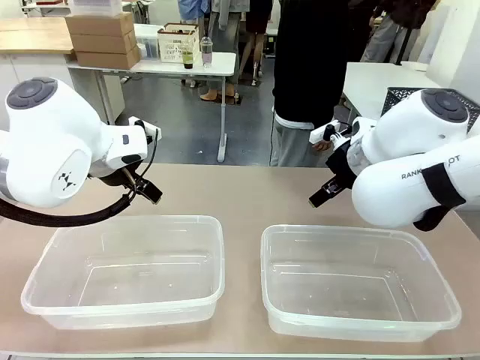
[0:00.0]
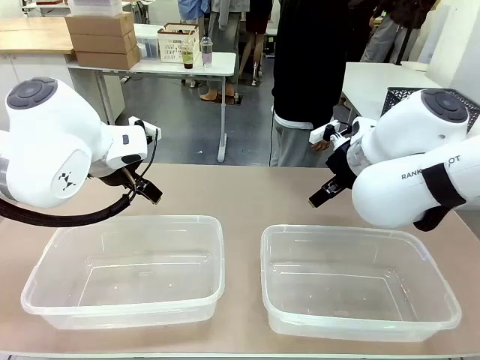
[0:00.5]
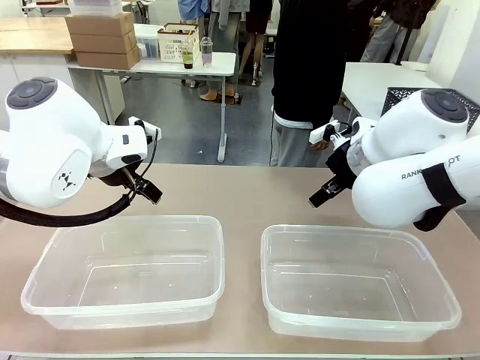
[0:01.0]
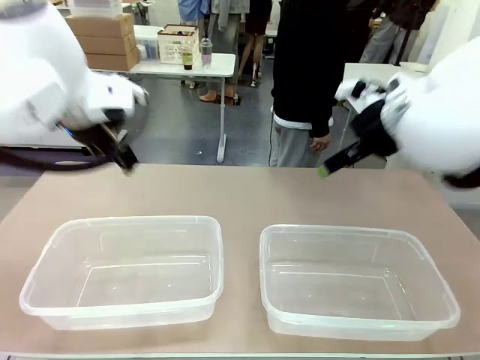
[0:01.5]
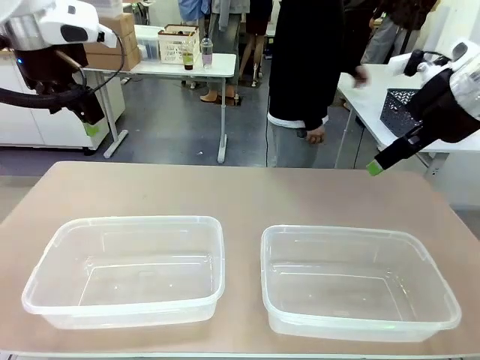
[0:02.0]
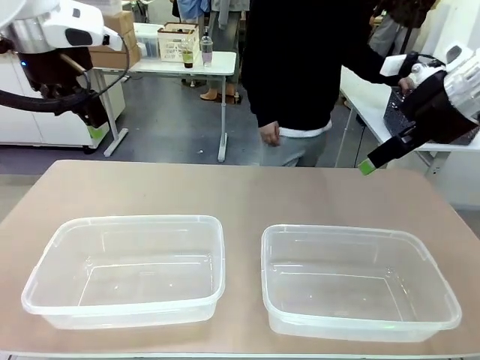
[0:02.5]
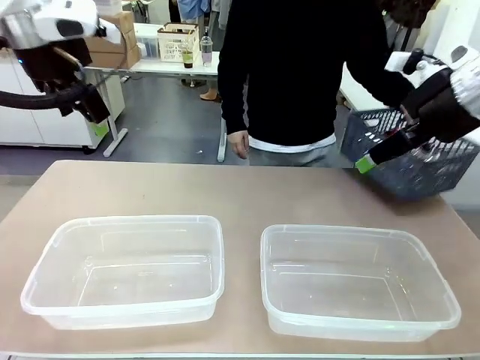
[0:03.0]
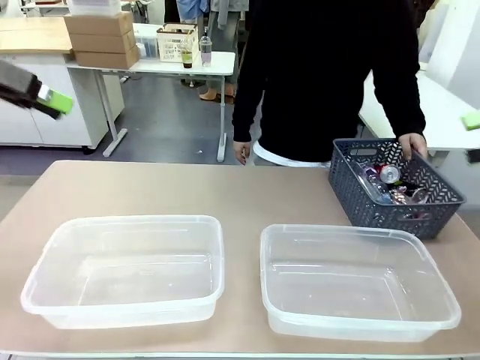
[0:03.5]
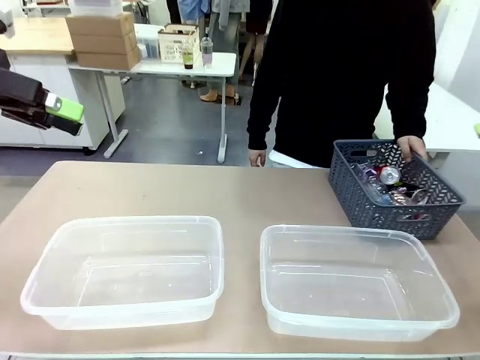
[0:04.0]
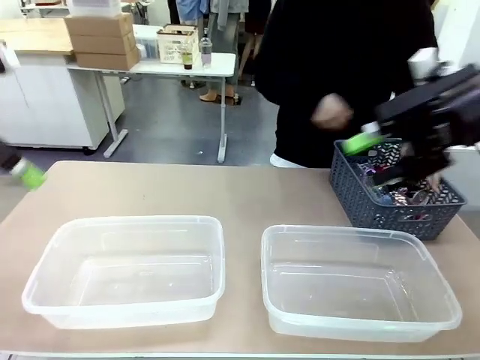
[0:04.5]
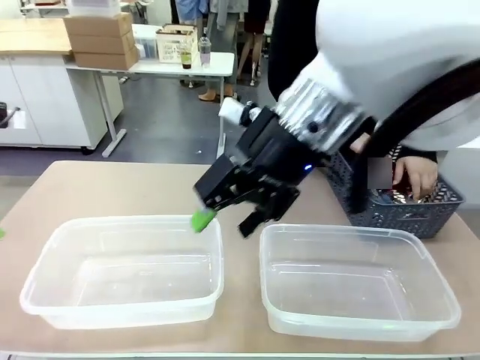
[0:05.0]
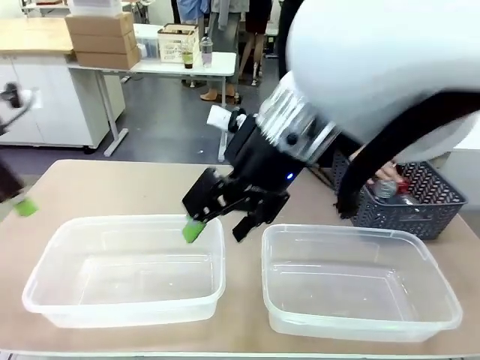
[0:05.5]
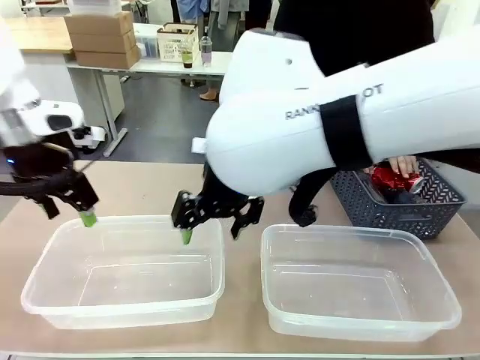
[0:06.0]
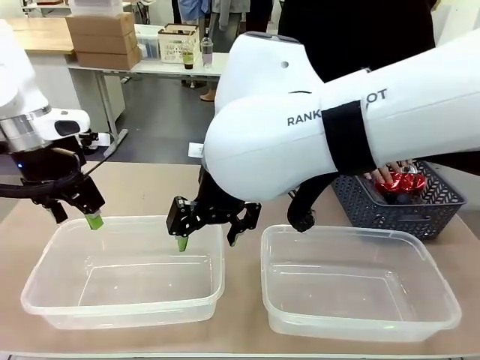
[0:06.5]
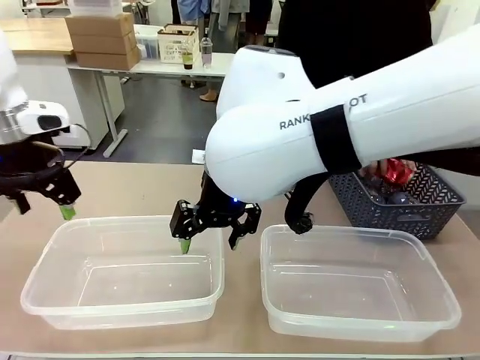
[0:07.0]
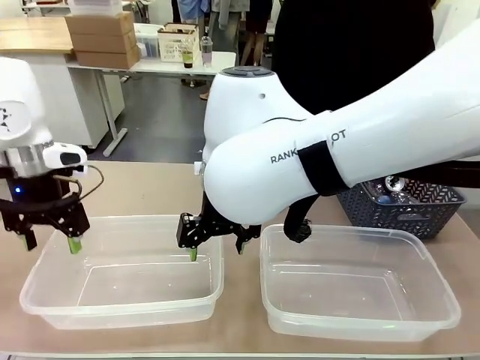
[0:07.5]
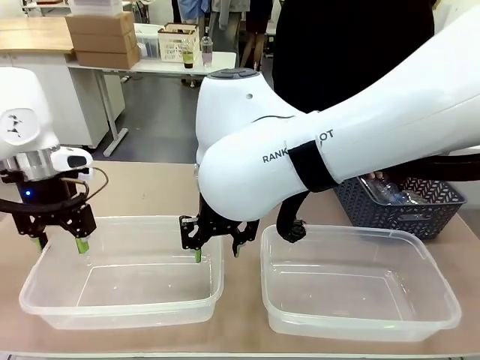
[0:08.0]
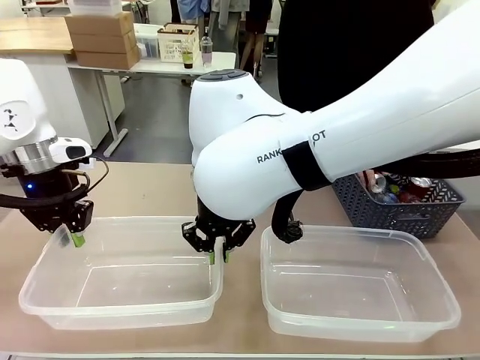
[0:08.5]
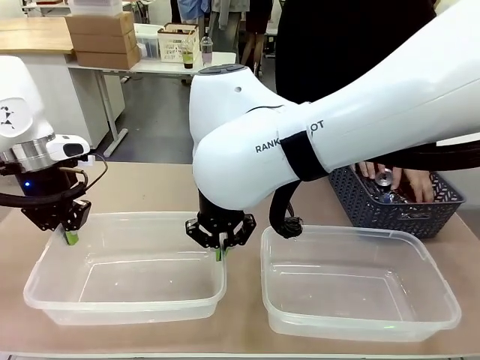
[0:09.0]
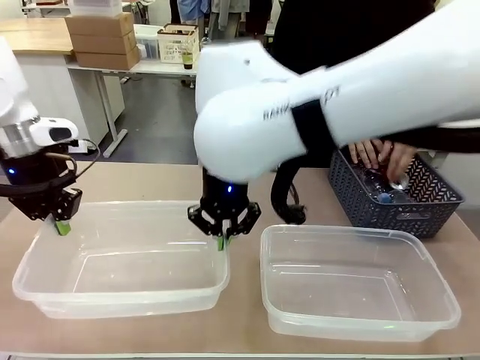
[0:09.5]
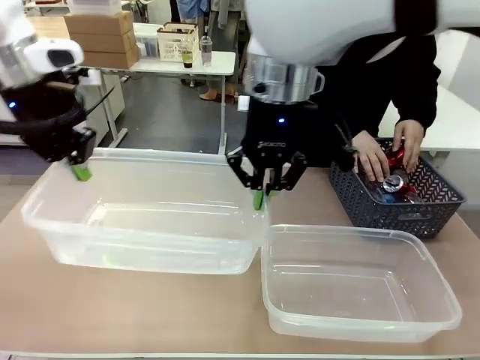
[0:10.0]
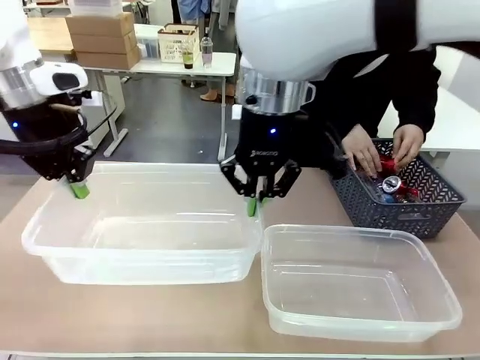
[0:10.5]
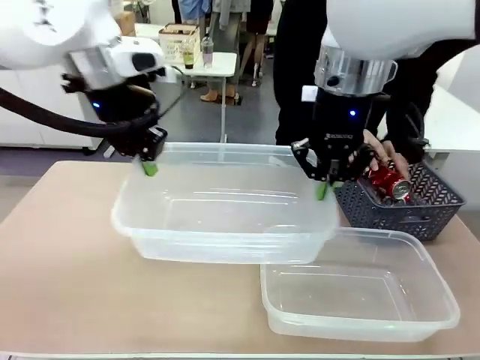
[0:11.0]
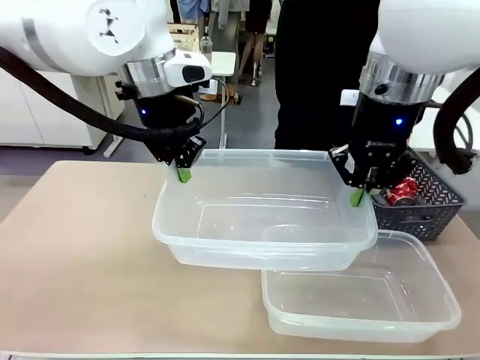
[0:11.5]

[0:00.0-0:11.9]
Robot: Pick up the Organizing box on the left side of the table and lift it.
Person: Pick up the storage basket and place it on the left side of the robot table. Pick up can-shaped waste one by one and place it into the organizing box lifted by the robot.

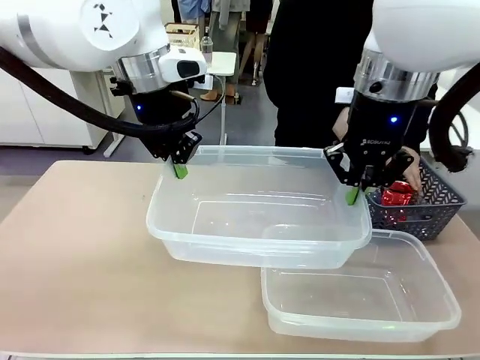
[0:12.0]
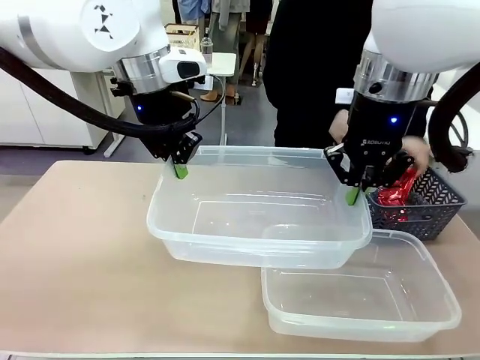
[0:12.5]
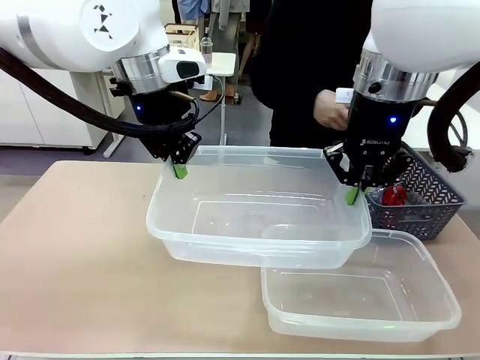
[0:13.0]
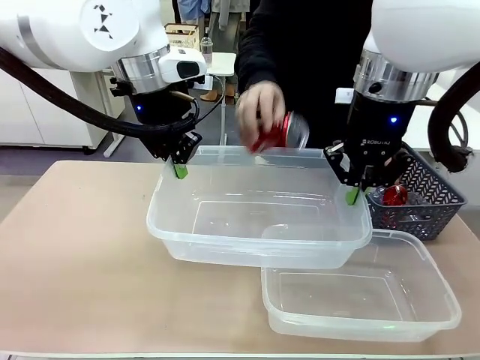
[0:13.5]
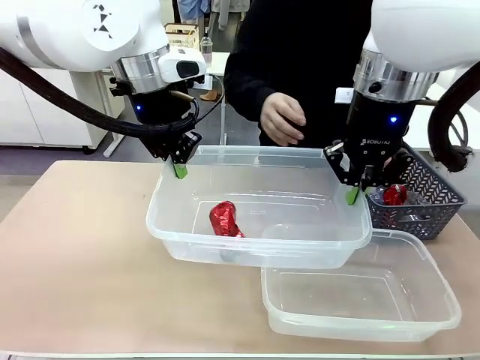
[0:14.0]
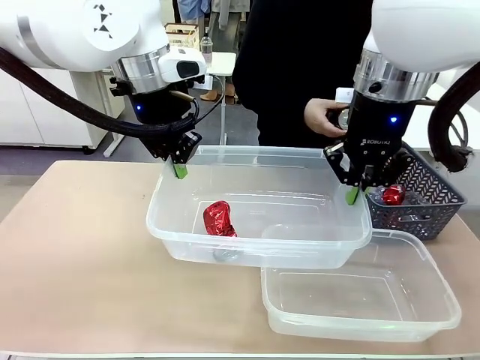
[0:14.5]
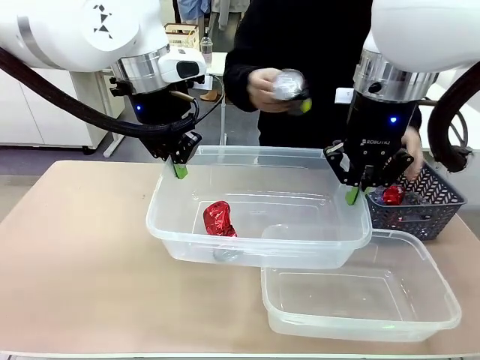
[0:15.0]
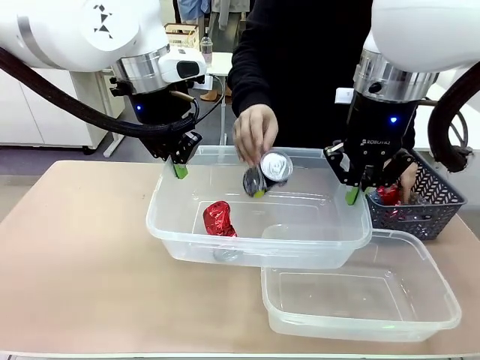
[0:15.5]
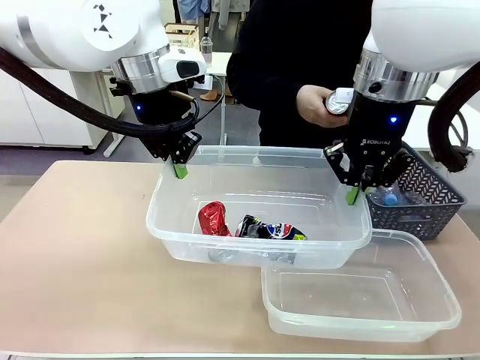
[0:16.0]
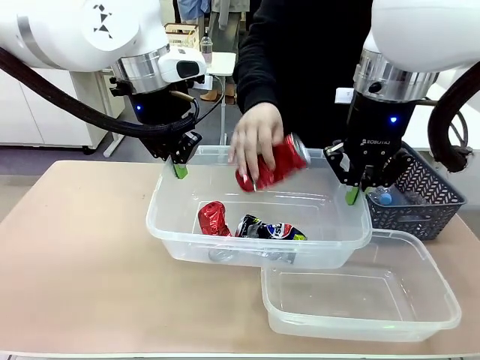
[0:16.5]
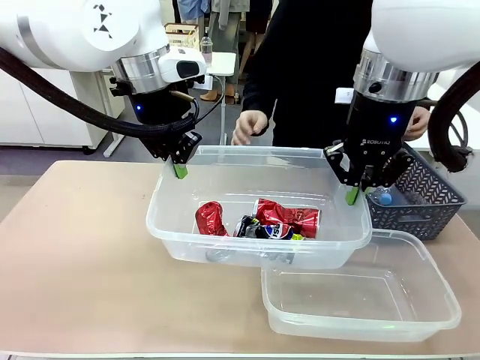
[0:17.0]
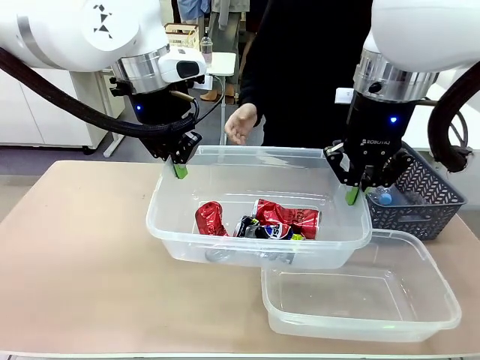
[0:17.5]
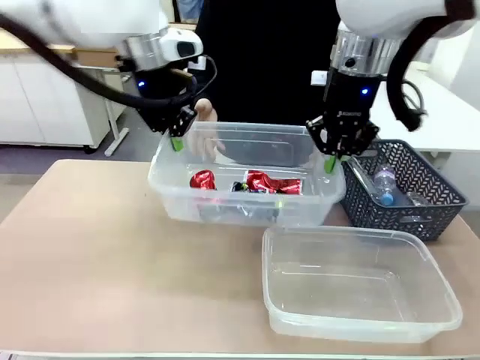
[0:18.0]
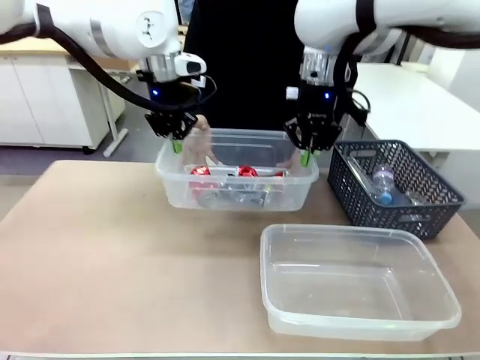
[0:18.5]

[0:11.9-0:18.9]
Robot: Offer the picked Organizing box to the human.

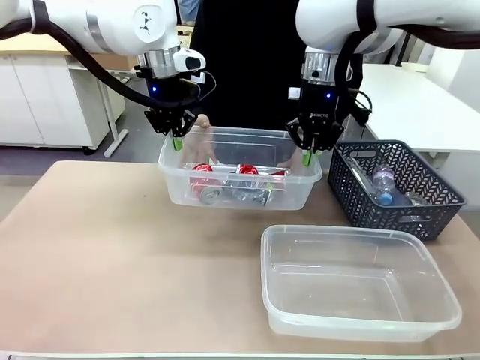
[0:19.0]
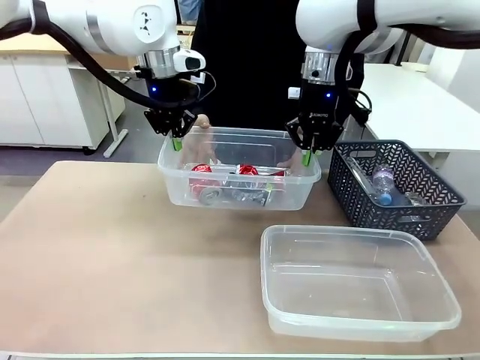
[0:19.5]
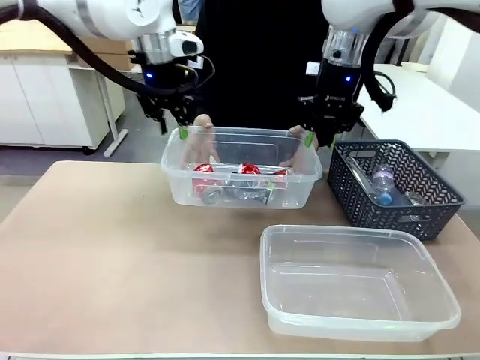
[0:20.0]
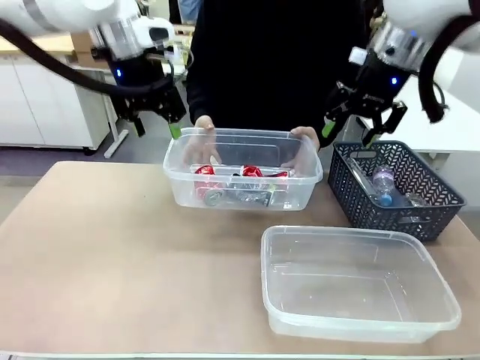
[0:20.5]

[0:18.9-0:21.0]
Robot: Release the Organizing box you were holding.

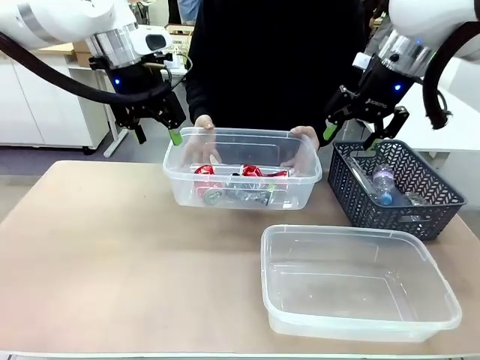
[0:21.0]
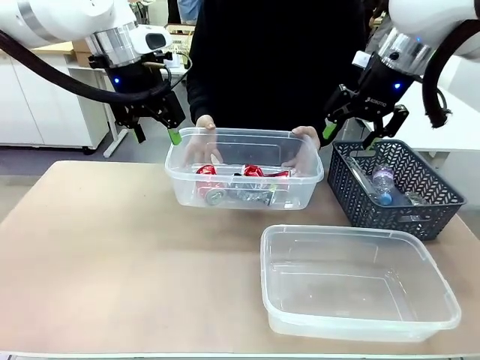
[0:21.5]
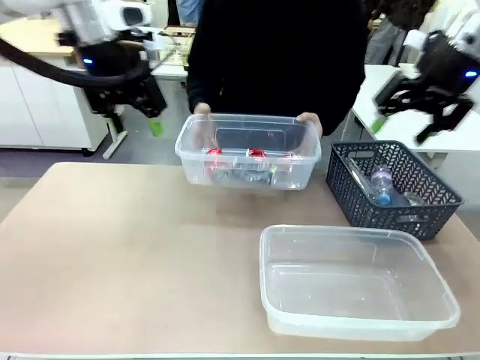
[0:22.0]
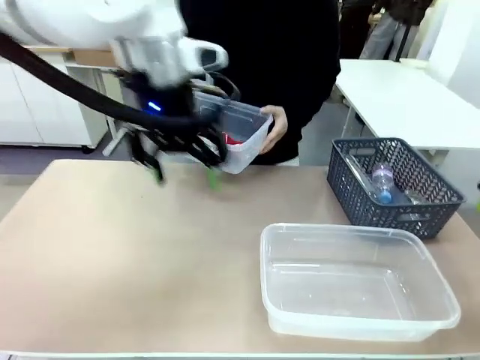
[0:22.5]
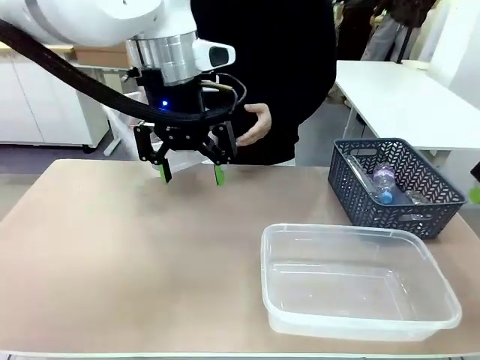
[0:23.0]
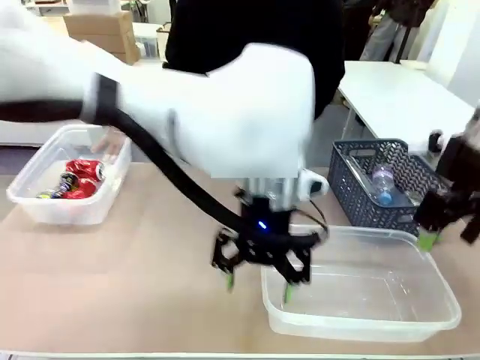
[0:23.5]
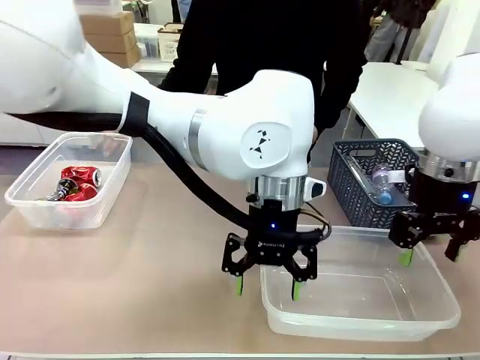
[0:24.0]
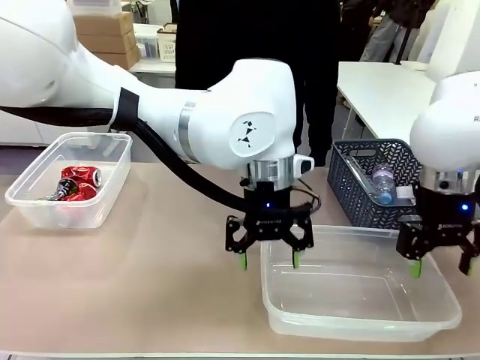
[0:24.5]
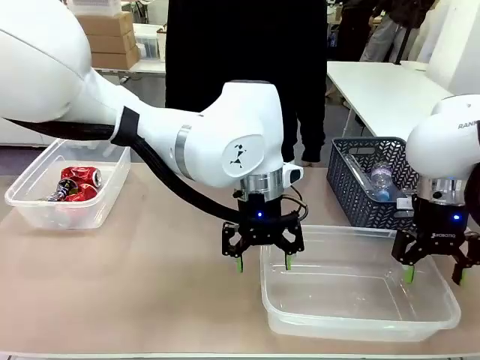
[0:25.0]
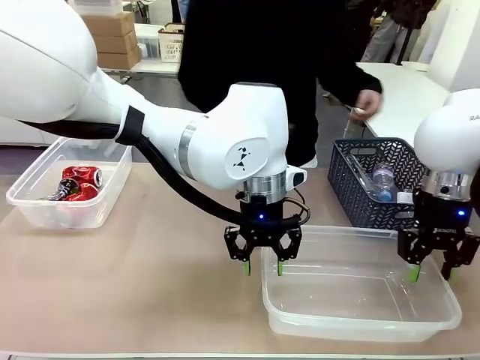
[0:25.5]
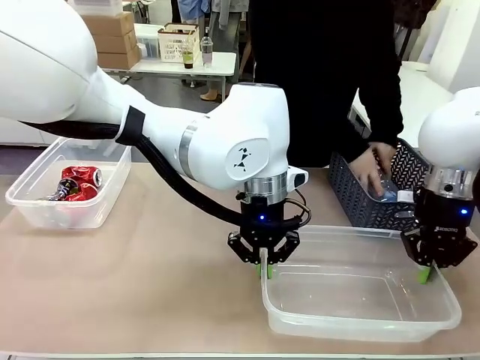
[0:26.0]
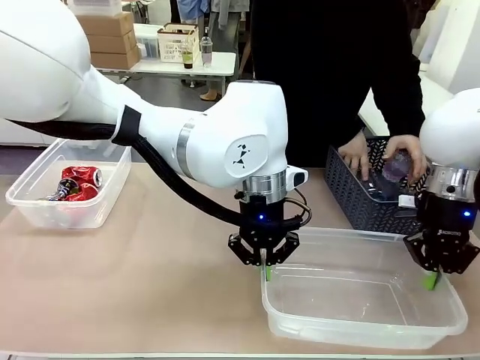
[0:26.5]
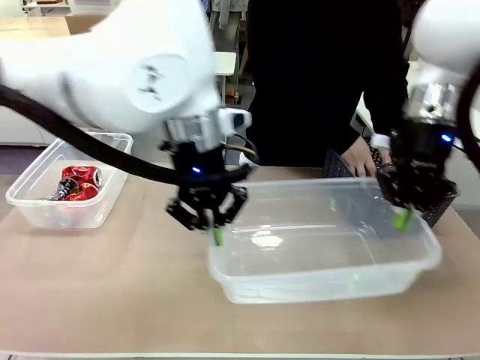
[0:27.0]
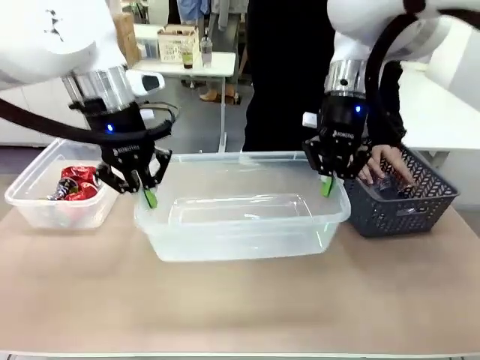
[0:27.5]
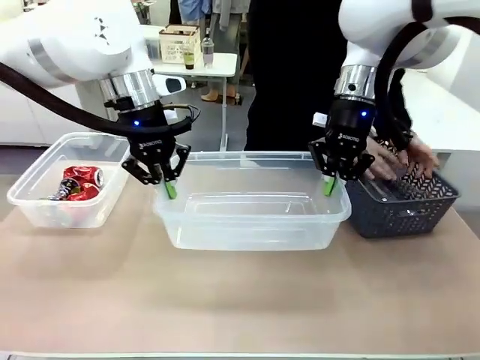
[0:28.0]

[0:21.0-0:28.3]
Robot: Pick up the Organizing box on the right side of the table and lift it.
Person: Place it at the edge of the bottom right area of the robot table.
